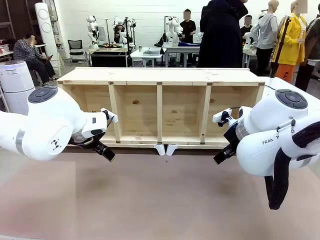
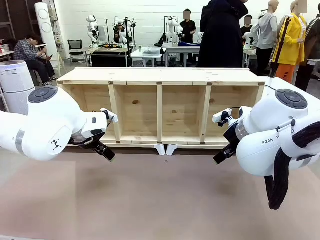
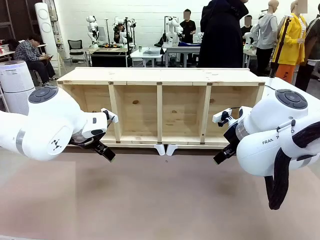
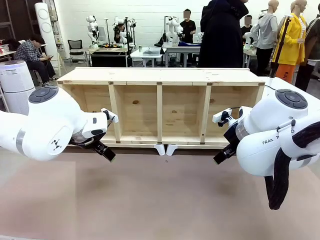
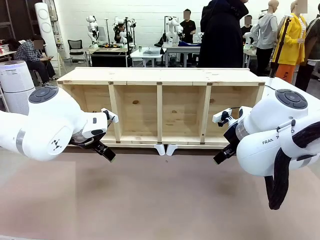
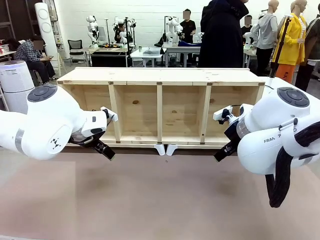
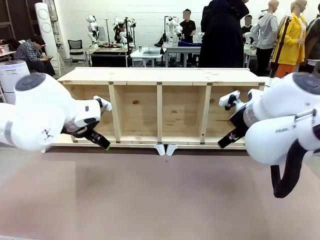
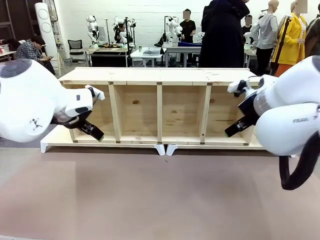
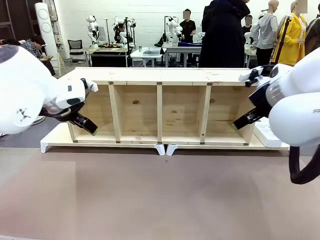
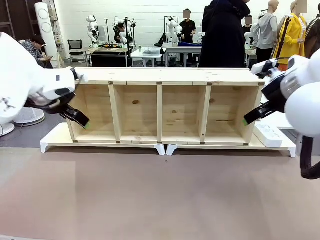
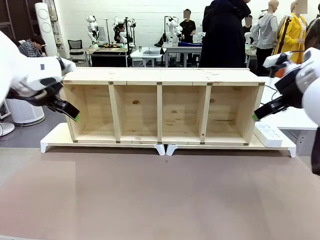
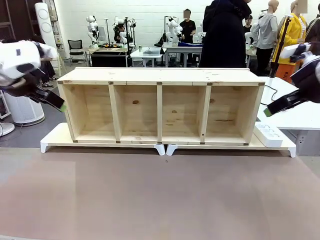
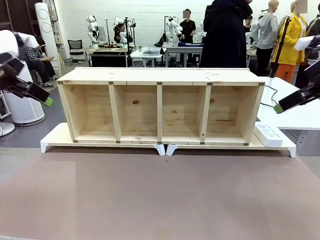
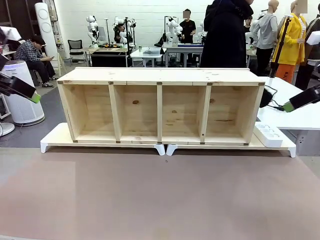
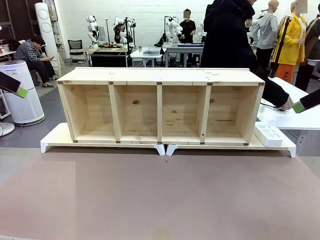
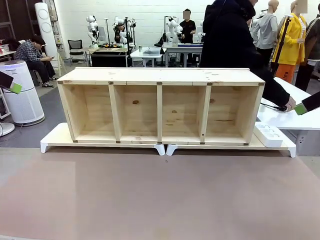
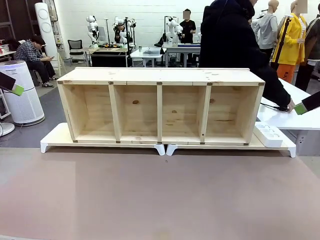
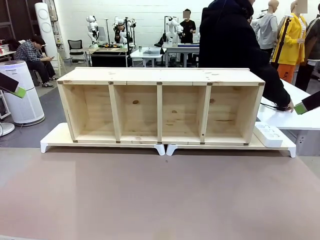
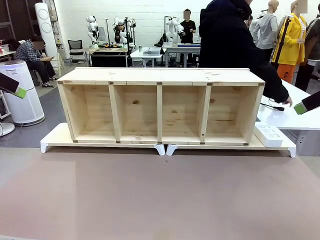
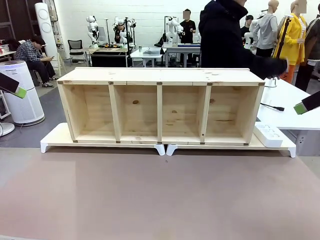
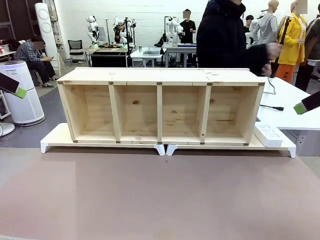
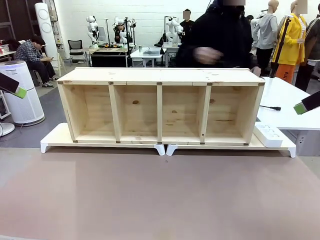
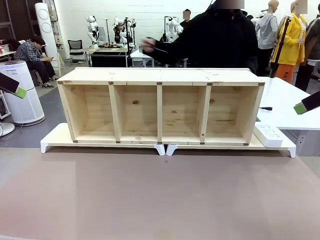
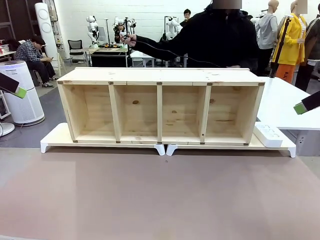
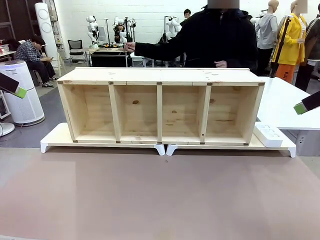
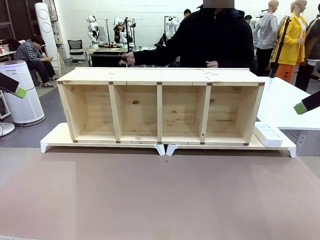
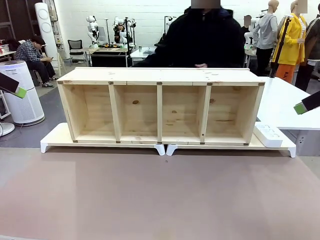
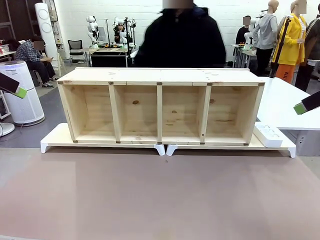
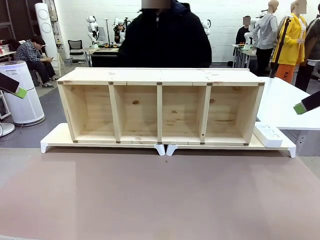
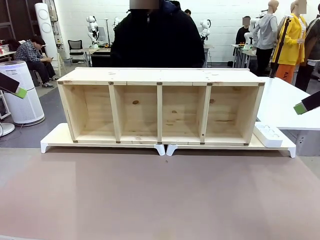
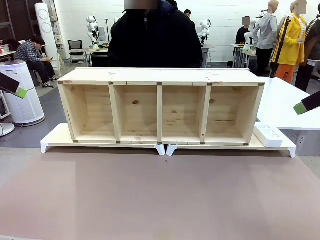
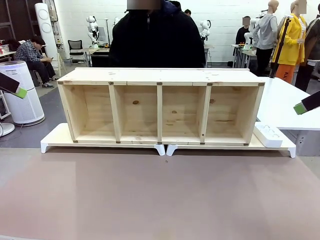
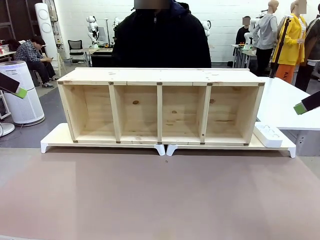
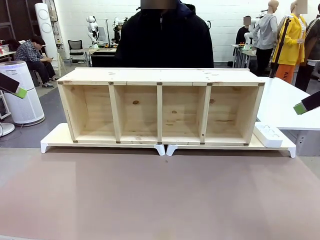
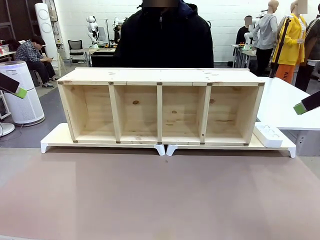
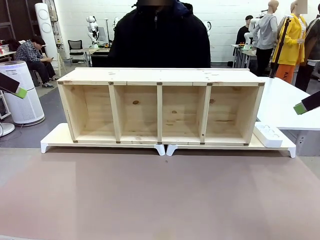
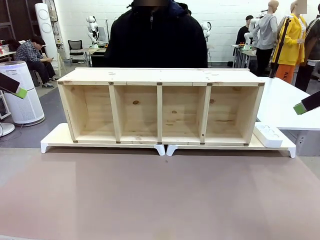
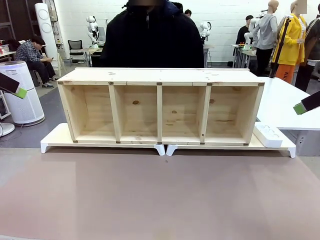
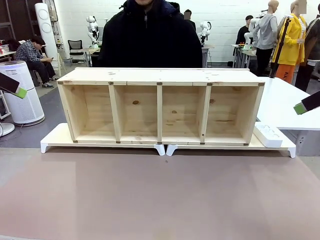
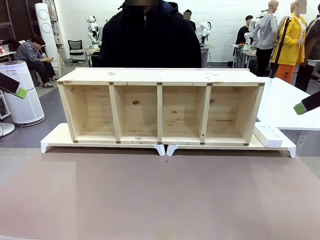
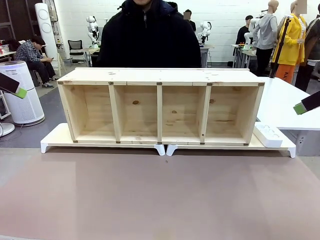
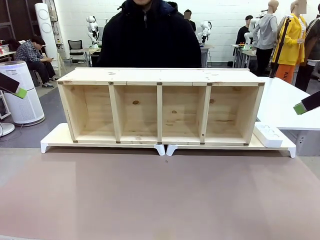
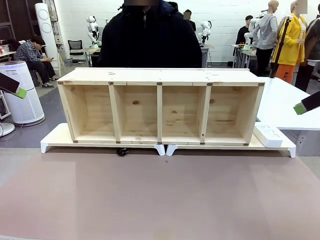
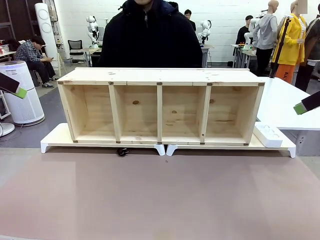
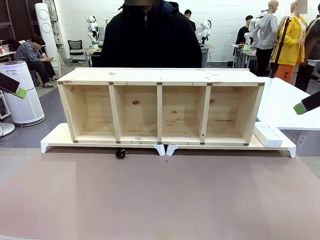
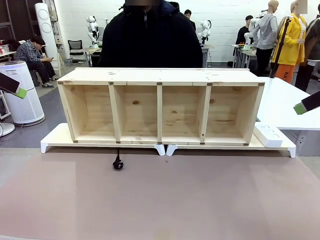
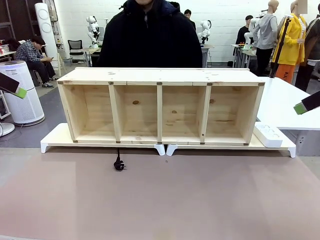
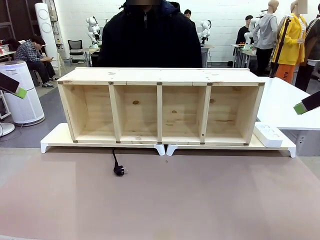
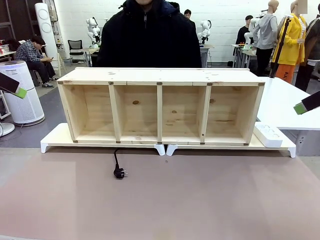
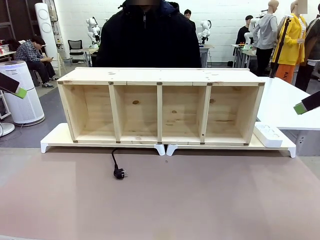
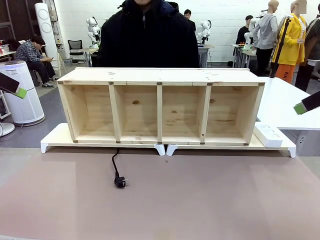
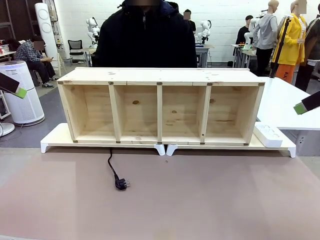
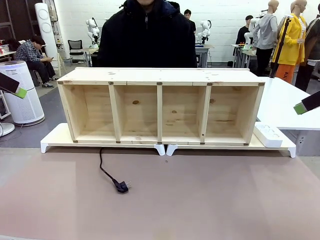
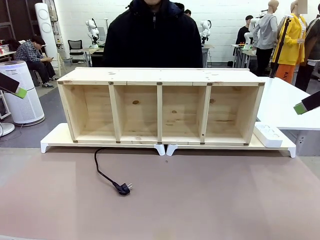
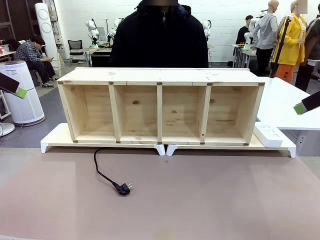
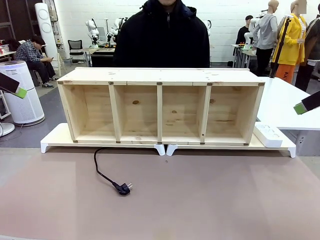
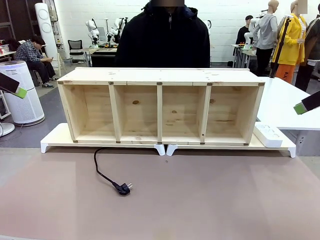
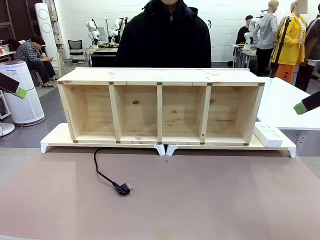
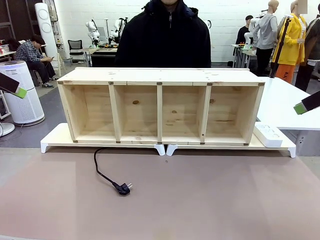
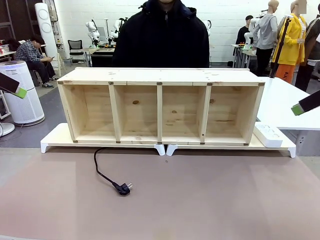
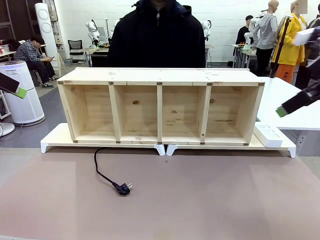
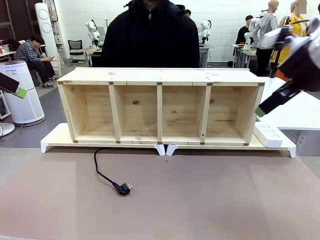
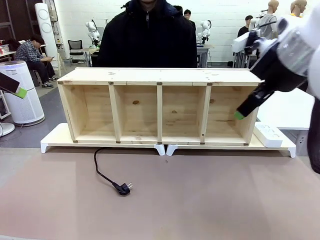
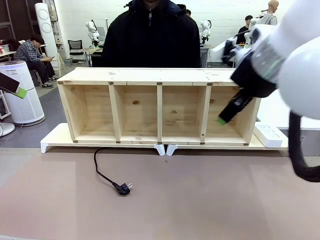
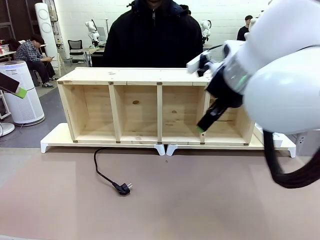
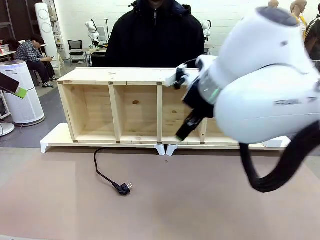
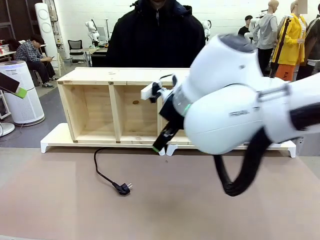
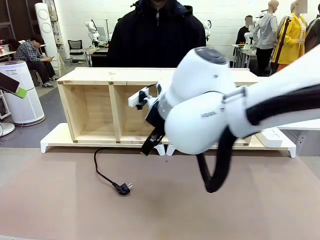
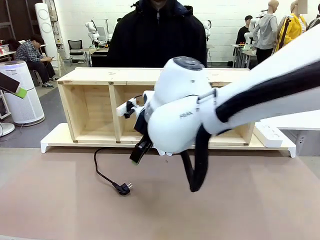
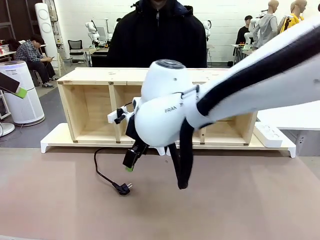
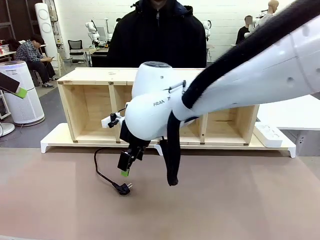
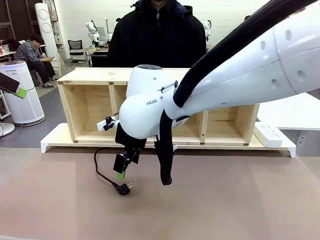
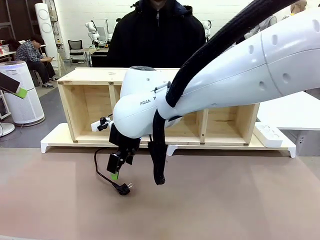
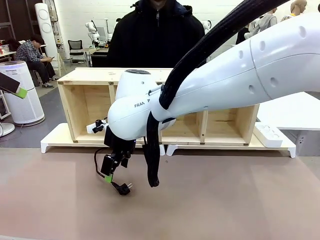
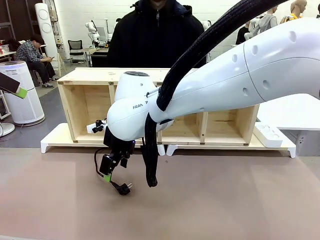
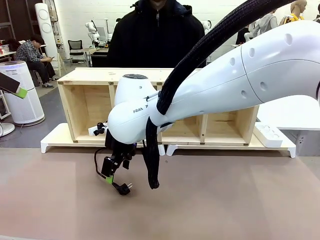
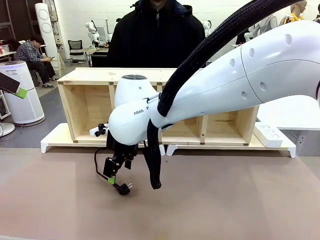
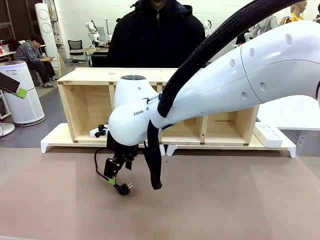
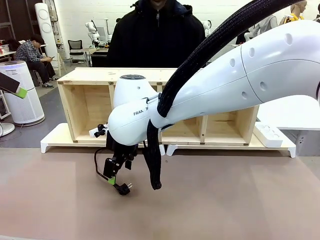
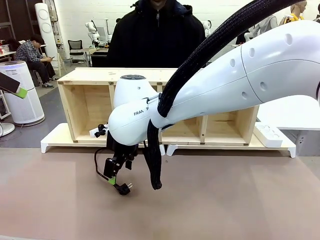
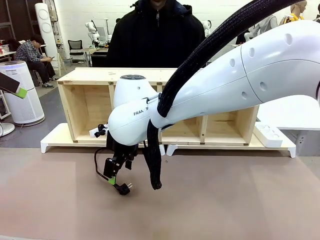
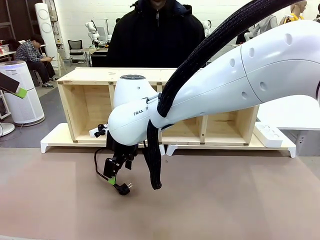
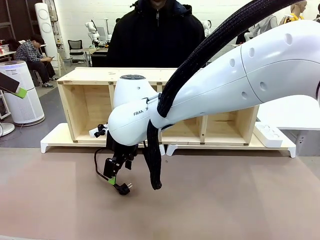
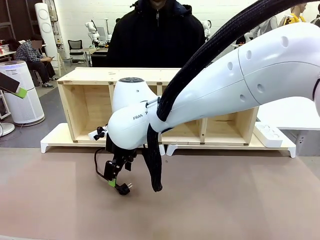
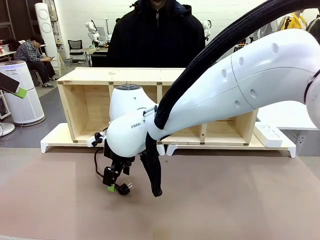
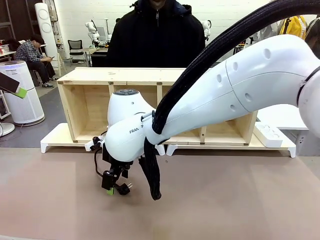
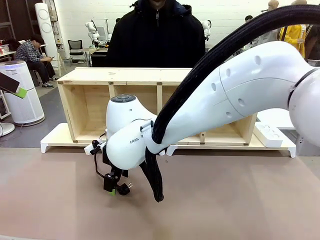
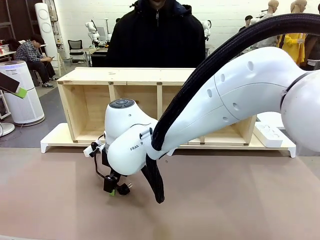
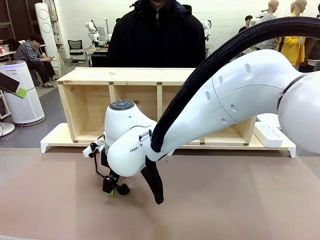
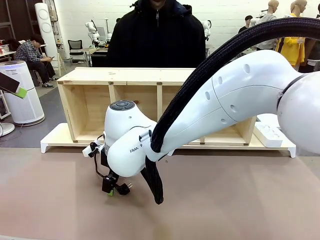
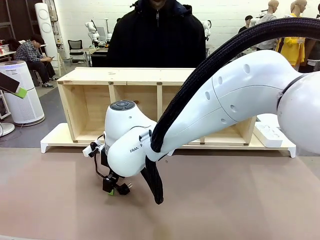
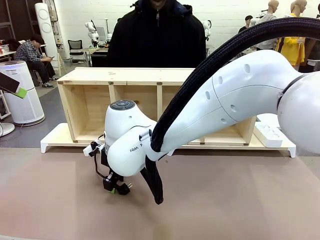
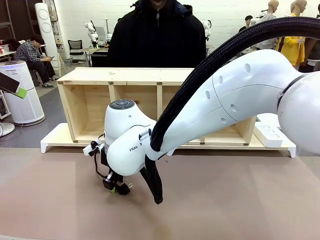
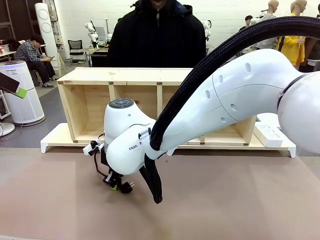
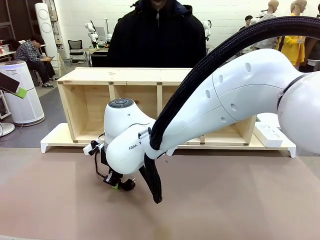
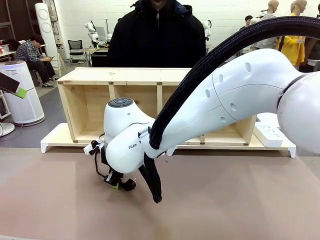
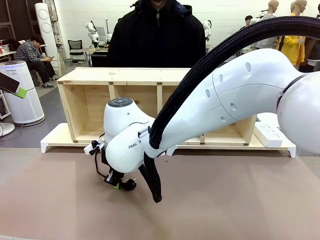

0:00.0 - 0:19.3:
Task: Perform cable management.
Robot: When the cord part of the Power Cable appears at the lower middle area of the table and stops, grasp the cord part of the Power Cable.
Person: Pass the Power Cable under the Serving Table.
